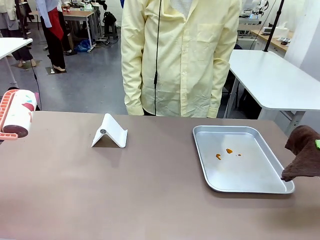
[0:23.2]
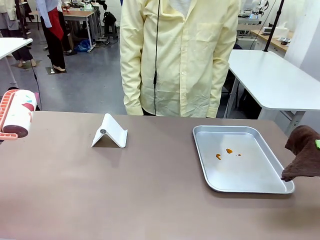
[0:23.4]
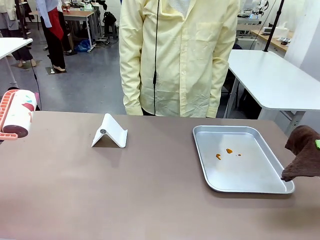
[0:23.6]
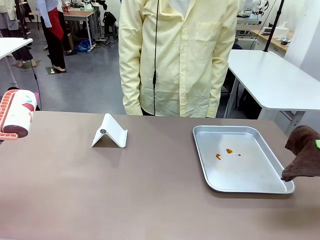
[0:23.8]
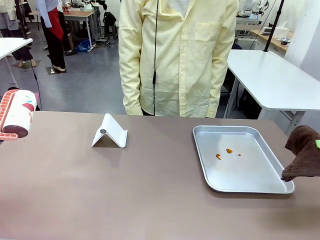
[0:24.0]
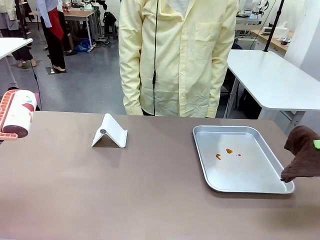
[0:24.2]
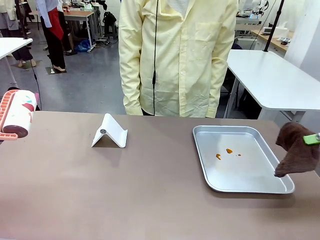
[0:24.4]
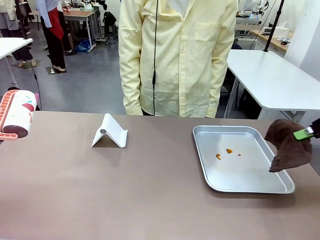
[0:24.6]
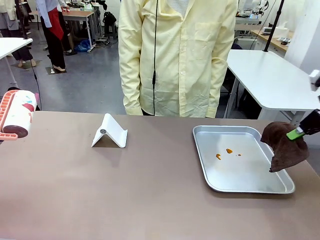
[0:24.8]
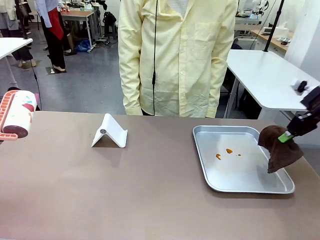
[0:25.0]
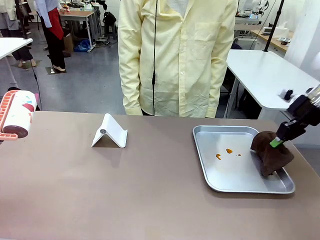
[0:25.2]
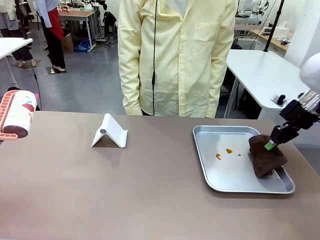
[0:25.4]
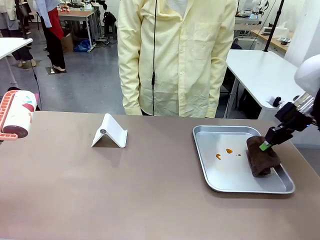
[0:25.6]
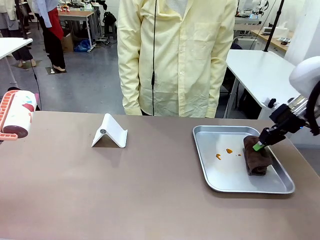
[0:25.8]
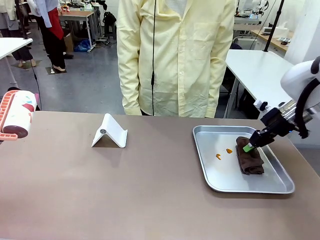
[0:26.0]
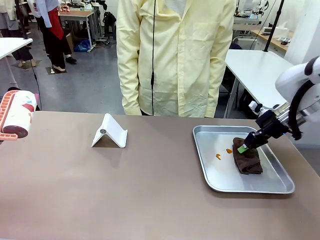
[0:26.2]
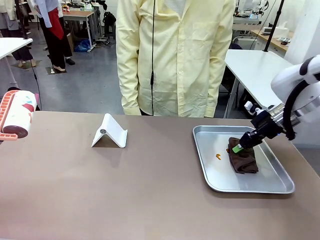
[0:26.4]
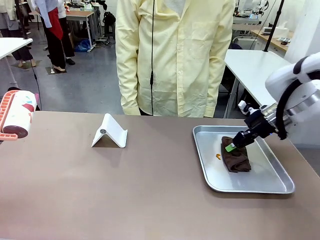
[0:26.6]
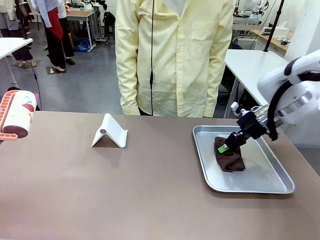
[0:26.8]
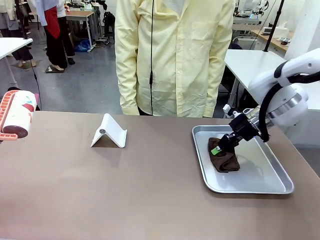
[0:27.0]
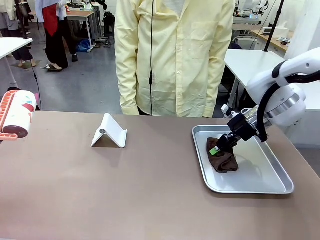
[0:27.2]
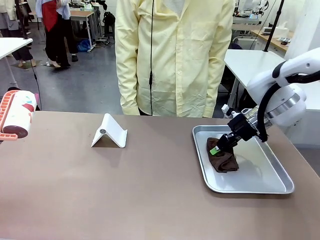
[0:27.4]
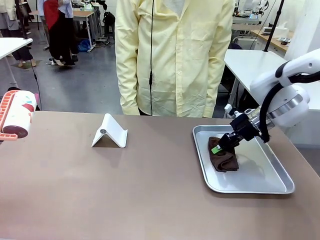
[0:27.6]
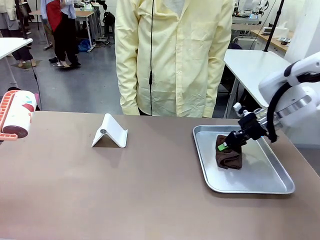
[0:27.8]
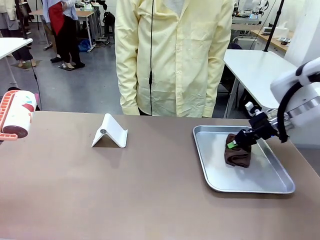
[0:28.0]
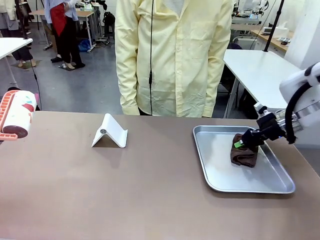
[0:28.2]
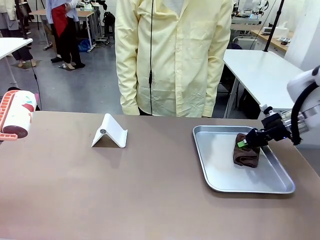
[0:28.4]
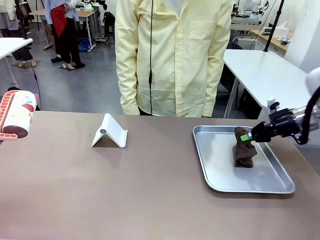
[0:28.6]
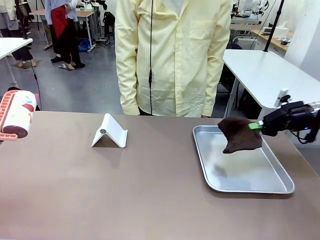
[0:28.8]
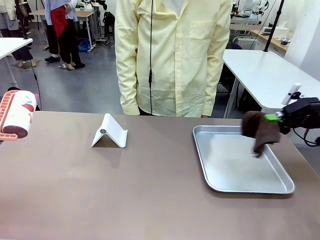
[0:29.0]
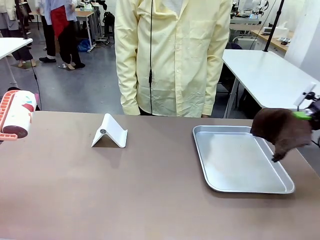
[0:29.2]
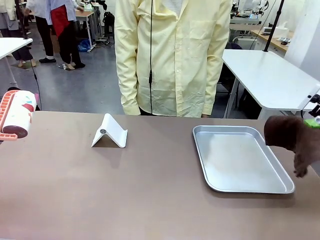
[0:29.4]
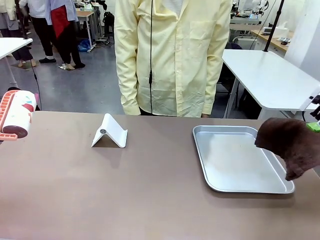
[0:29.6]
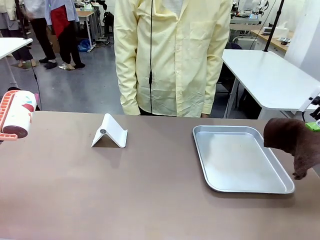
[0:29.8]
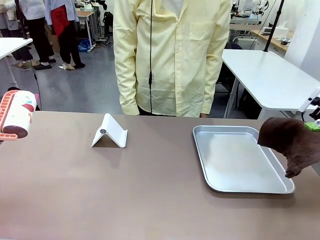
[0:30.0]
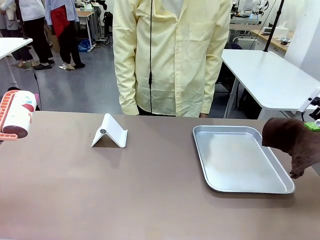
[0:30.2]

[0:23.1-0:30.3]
Task: Clean the surface of the table.
Robot: Clean the area not pointed to by the person.

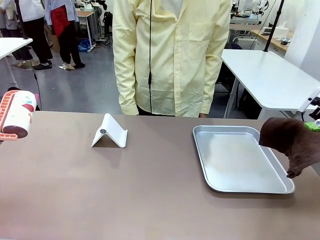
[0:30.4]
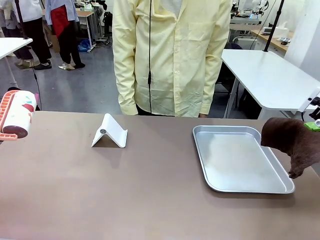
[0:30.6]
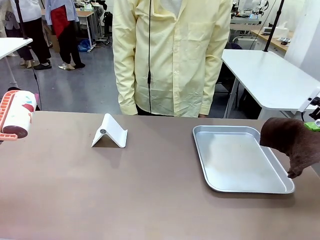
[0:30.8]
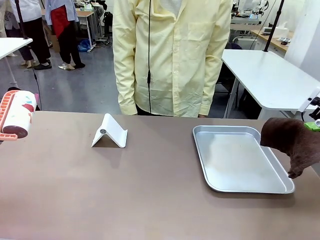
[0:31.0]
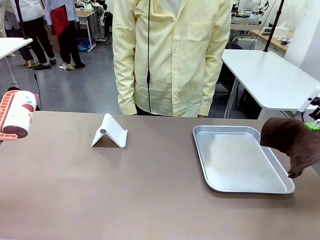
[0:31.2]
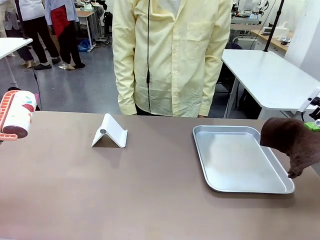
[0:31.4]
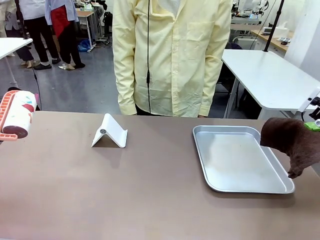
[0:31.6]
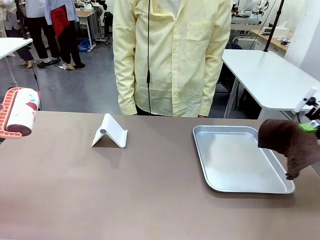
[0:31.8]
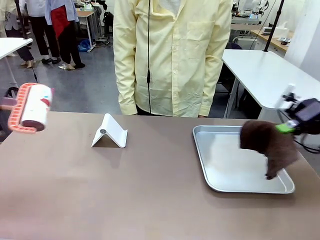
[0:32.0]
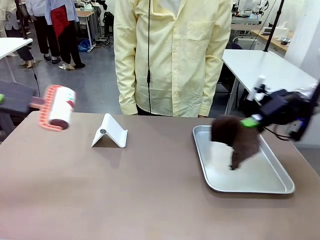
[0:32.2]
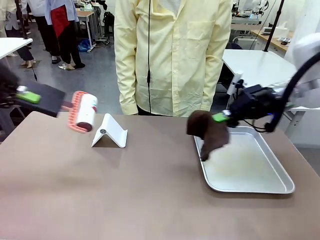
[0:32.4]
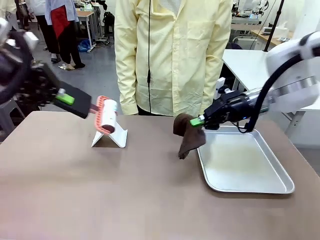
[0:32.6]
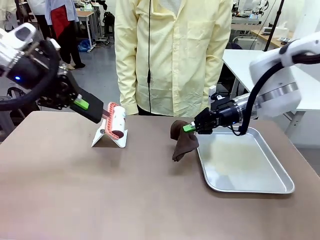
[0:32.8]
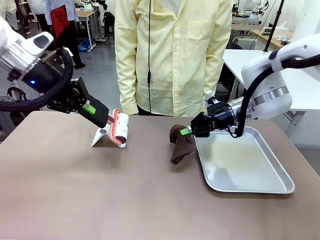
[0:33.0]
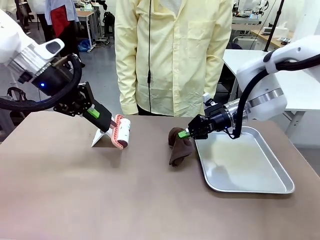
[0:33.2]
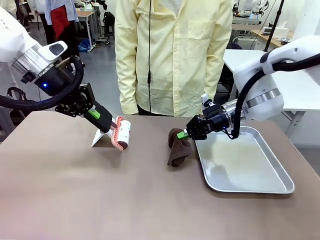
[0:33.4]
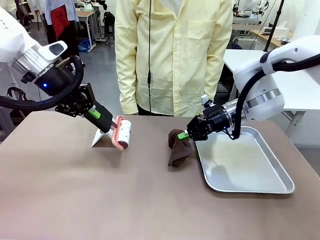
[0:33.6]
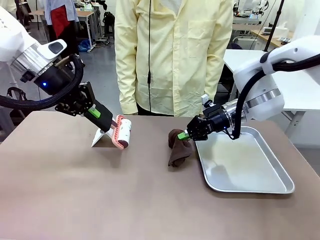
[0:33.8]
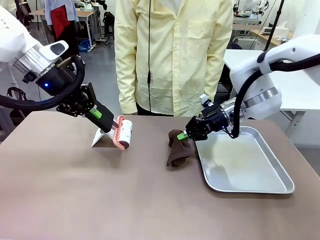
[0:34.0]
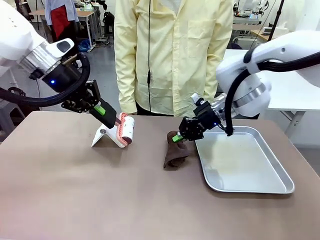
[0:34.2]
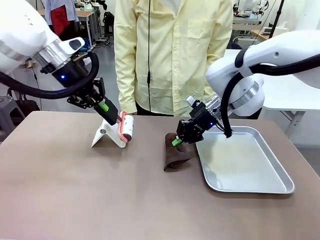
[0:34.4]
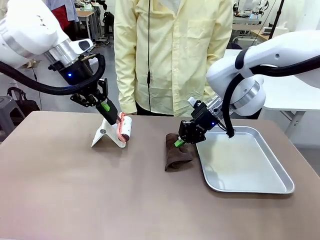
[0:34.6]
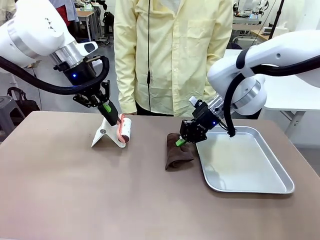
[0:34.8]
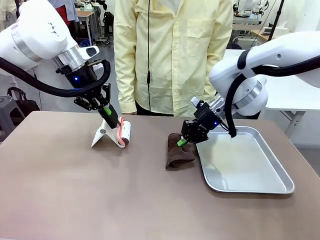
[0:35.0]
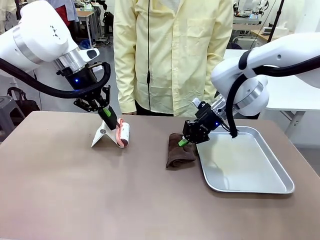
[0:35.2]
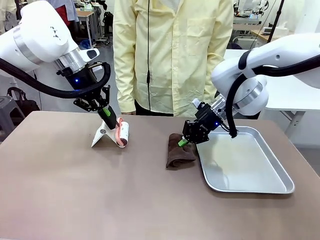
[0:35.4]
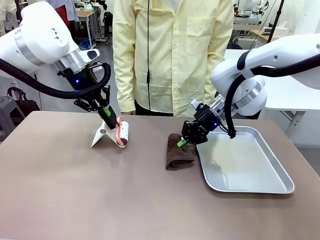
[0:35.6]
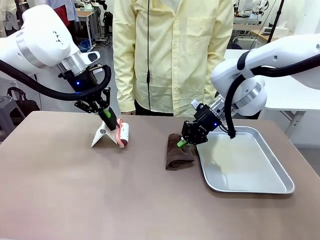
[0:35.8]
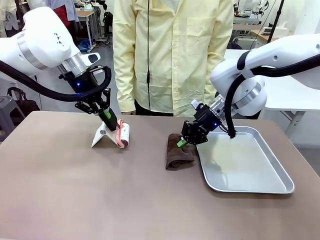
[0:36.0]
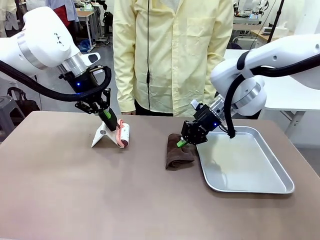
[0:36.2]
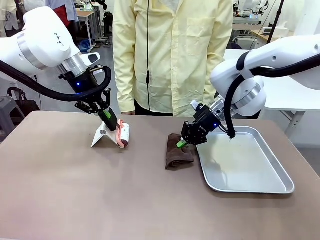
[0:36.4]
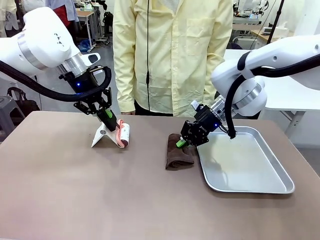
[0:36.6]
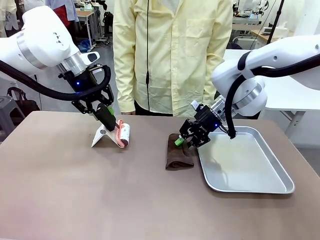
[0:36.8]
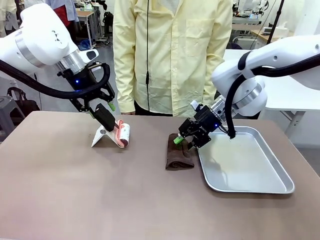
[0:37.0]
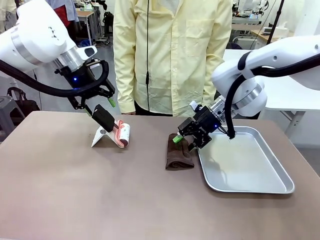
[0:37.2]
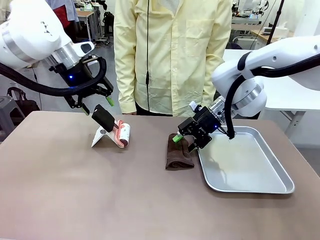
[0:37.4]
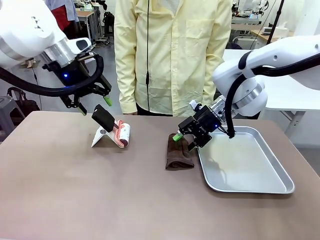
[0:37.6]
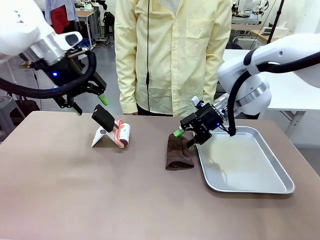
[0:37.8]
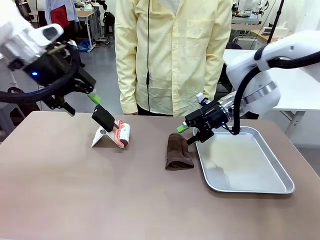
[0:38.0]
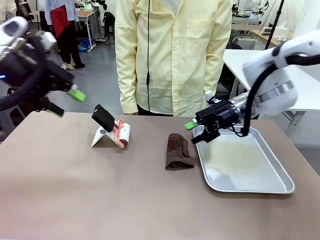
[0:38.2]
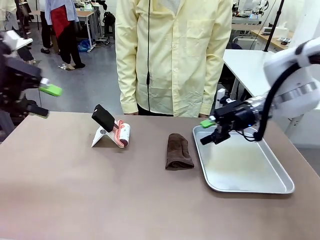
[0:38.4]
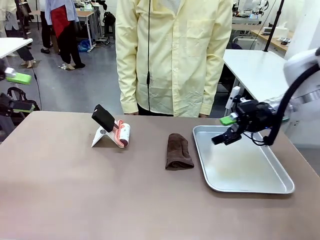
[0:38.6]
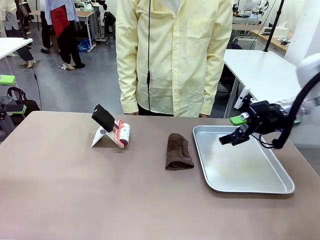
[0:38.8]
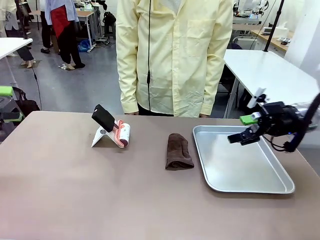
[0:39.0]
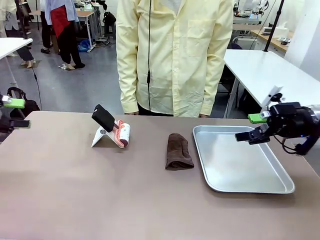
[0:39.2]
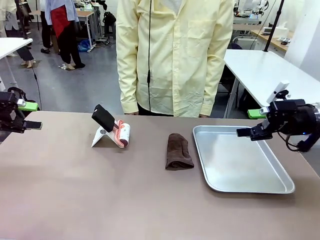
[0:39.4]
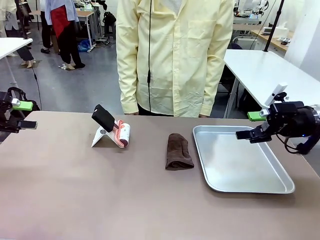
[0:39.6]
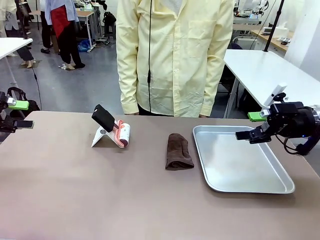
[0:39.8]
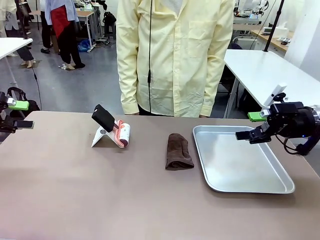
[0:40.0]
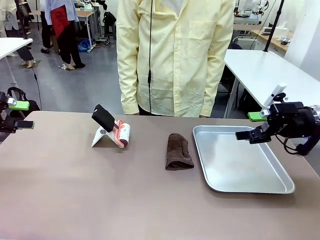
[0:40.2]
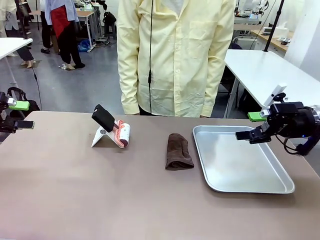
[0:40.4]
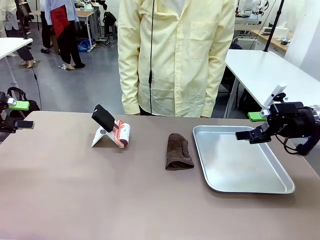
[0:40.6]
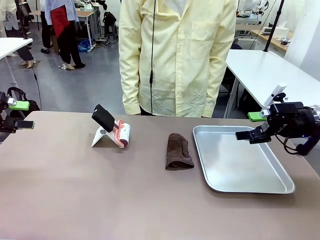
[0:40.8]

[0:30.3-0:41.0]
Robot: Return the Lint Roller and towel to their original positions.

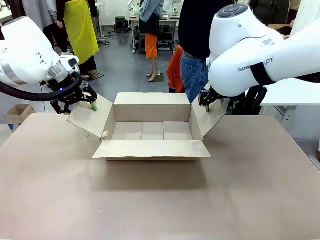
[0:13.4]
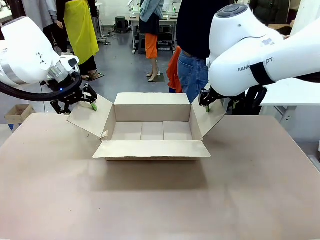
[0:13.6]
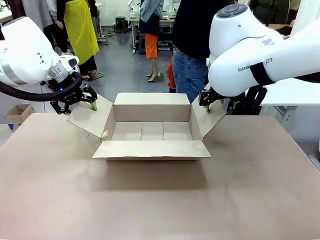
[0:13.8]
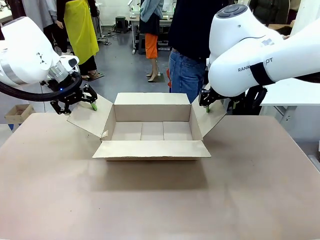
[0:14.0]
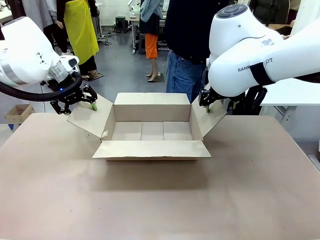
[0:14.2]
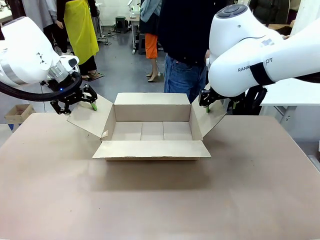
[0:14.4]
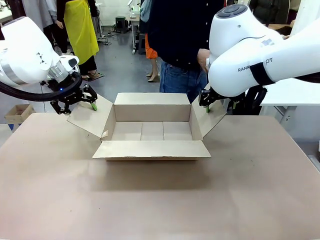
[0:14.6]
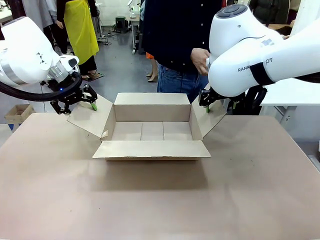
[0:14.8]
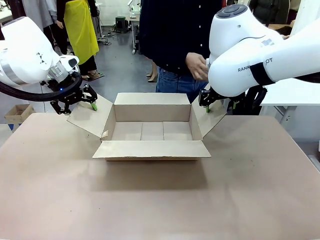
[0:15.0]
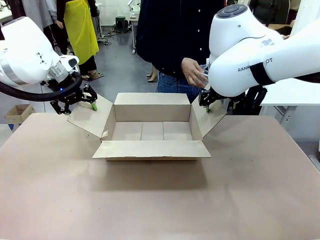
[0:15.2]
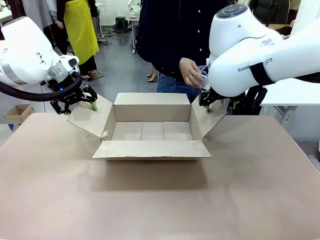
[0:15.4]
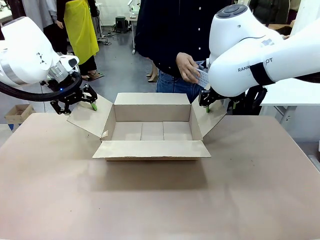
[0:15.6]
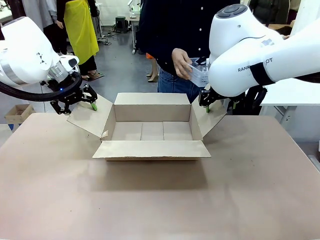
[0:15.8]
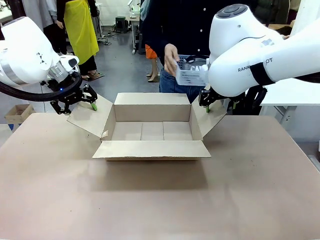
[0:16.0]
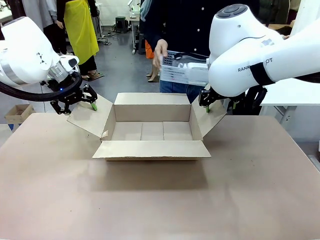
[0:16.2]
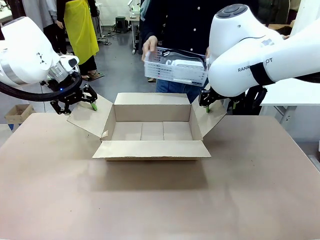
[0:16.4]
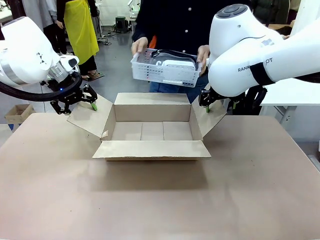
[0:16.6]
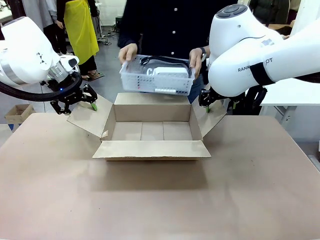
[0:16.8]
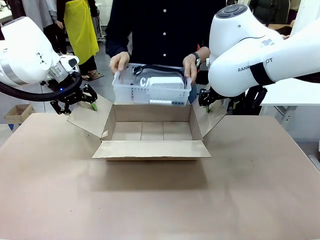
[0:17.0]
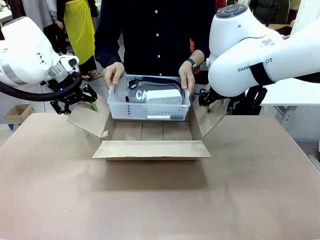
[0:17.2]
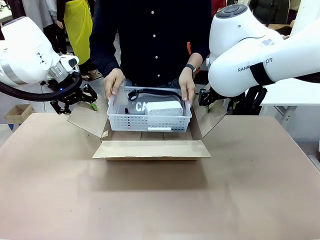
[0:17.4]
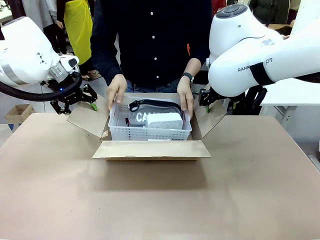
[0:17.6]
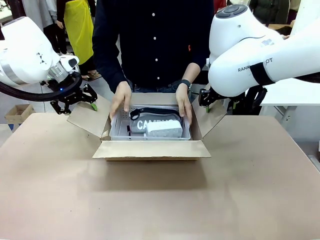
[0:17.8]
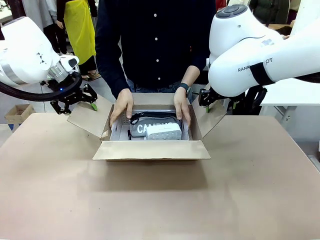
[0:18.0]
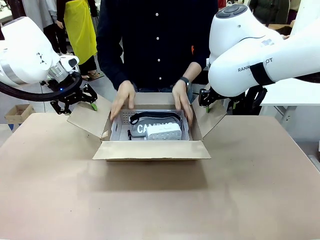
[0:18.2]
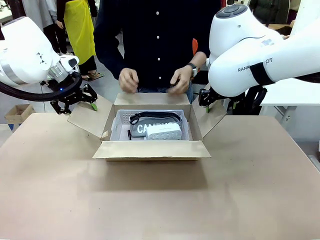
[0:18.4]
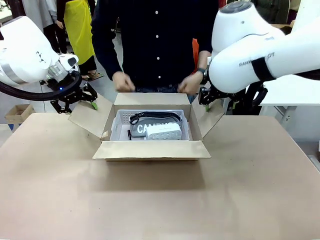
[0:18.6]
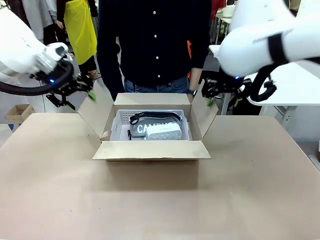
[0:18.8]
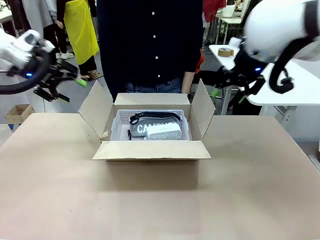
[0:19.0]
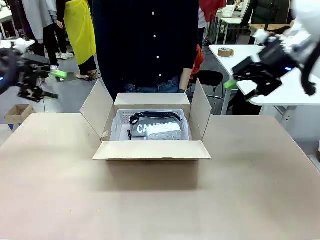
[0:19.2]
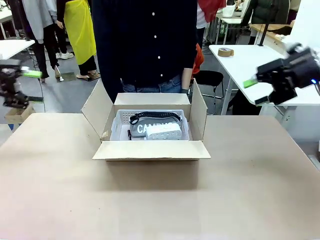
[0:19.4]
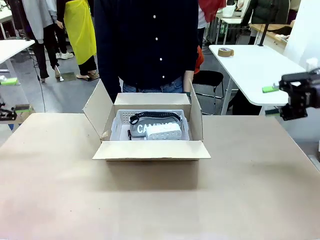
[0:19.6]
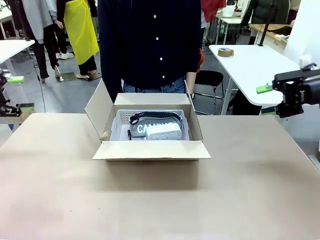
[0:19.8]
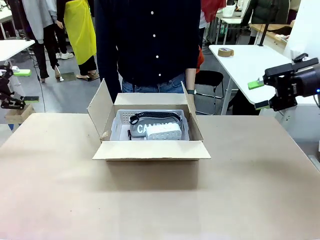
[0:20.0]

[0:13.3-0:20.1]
Task: Pack the gift set into the box.
Robot: Lift both hands away from the flaps of the Package Box.
Person: The human picks up the organizing basket and places the organizing basket into the package box on the robot table.
